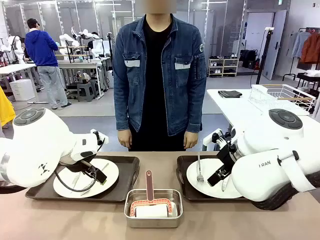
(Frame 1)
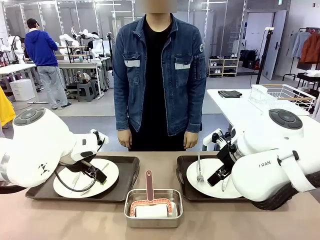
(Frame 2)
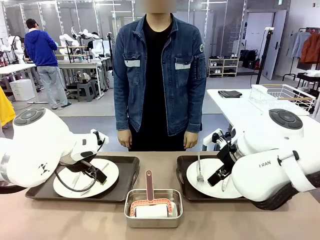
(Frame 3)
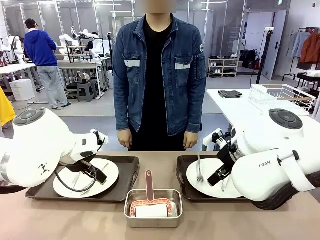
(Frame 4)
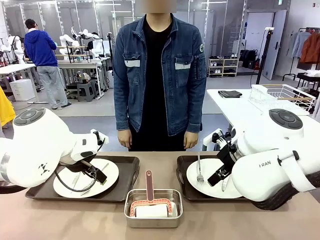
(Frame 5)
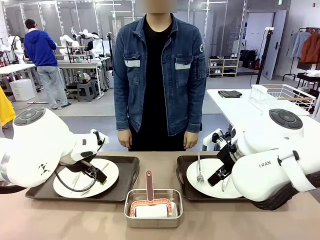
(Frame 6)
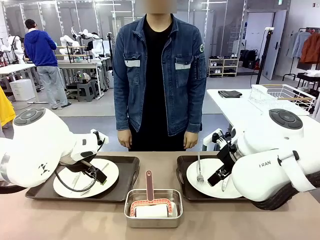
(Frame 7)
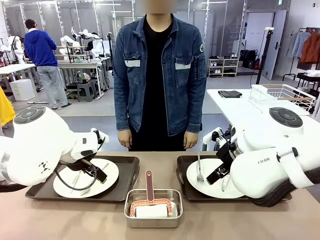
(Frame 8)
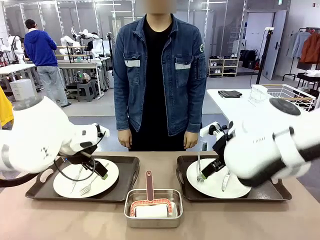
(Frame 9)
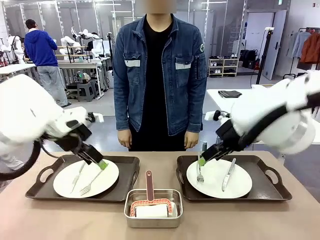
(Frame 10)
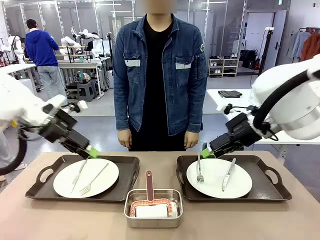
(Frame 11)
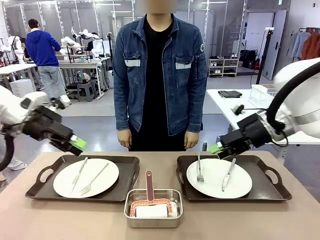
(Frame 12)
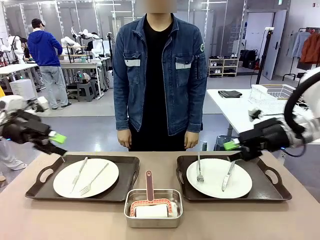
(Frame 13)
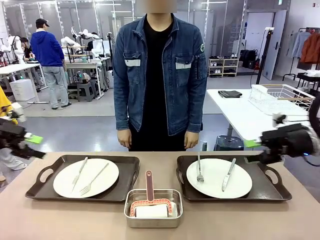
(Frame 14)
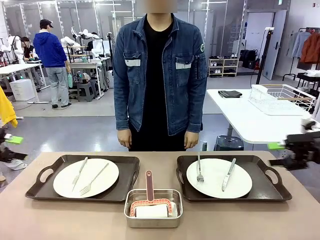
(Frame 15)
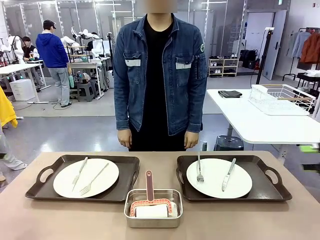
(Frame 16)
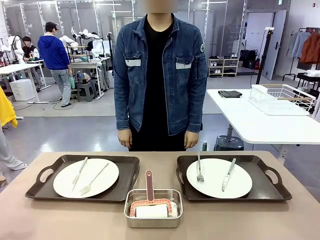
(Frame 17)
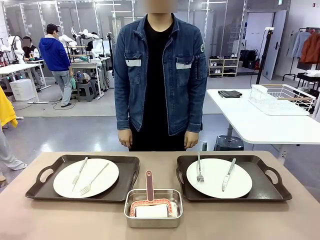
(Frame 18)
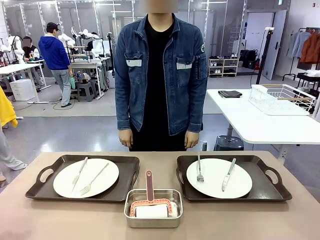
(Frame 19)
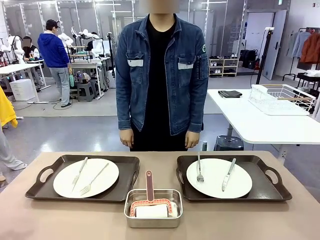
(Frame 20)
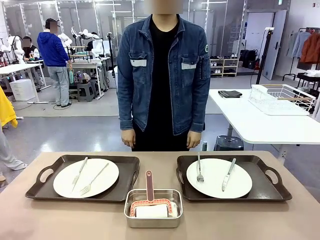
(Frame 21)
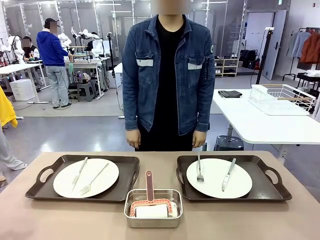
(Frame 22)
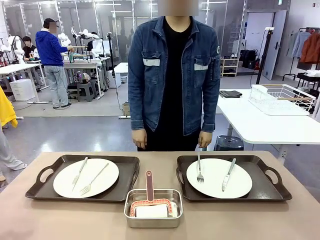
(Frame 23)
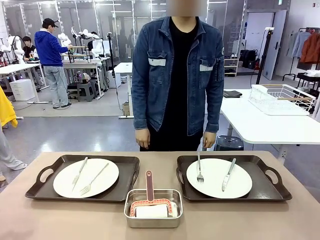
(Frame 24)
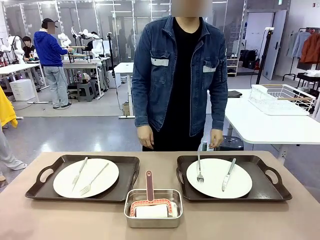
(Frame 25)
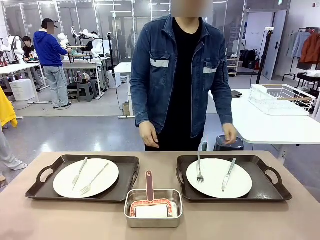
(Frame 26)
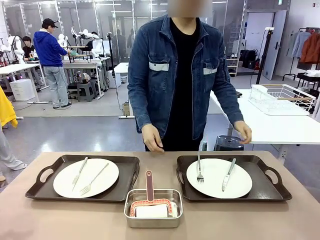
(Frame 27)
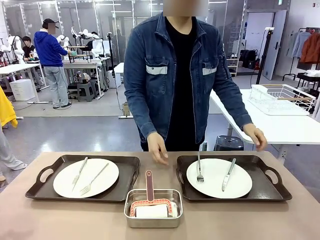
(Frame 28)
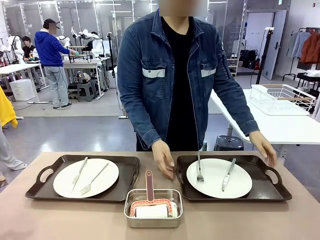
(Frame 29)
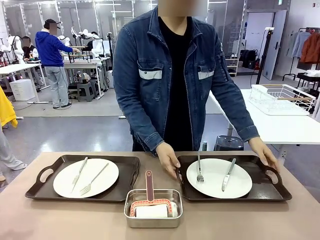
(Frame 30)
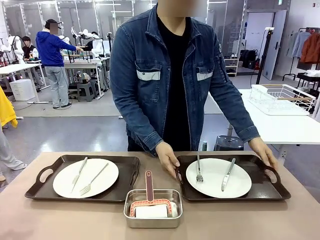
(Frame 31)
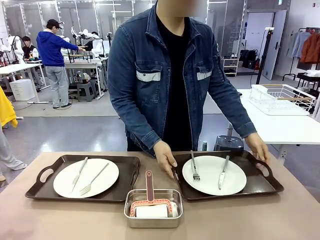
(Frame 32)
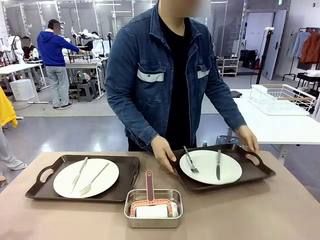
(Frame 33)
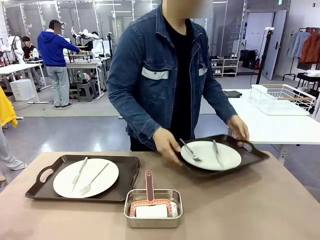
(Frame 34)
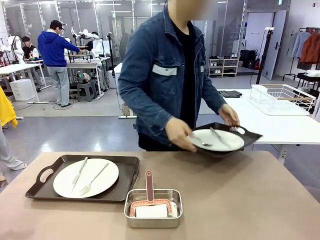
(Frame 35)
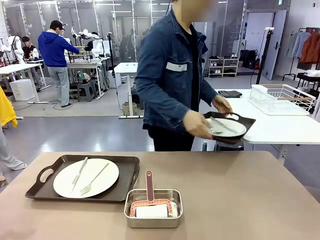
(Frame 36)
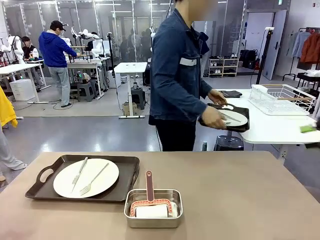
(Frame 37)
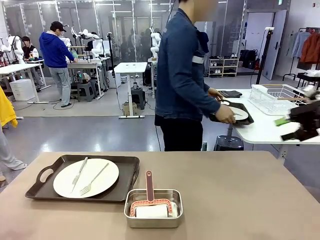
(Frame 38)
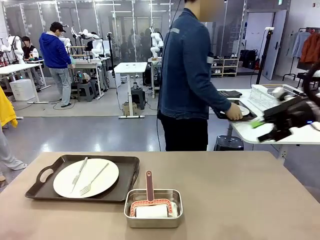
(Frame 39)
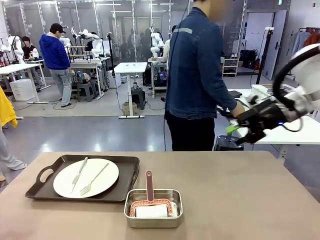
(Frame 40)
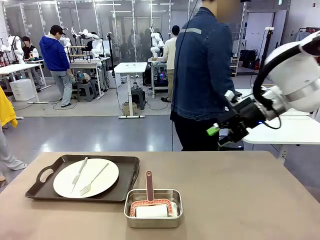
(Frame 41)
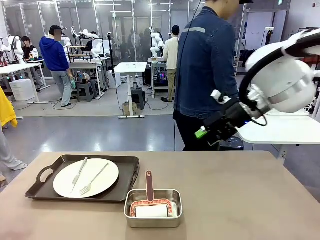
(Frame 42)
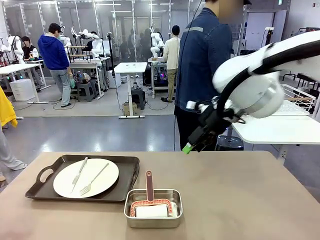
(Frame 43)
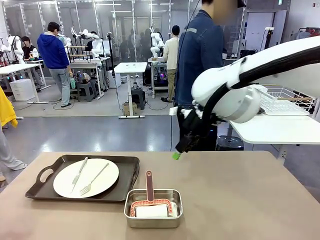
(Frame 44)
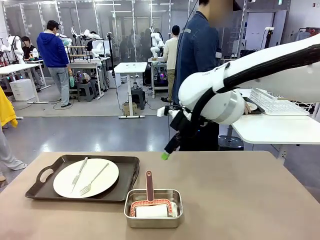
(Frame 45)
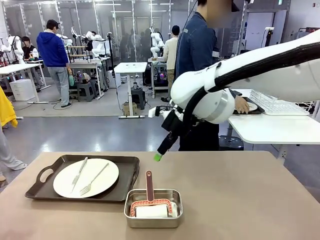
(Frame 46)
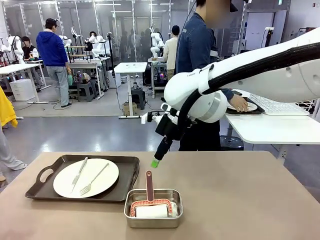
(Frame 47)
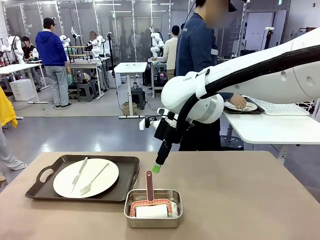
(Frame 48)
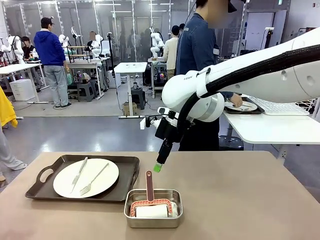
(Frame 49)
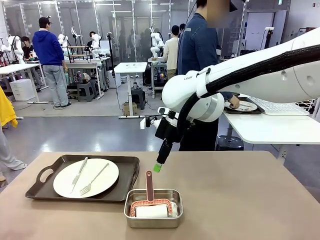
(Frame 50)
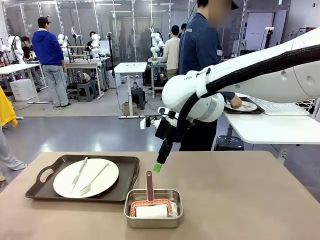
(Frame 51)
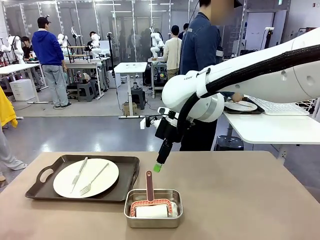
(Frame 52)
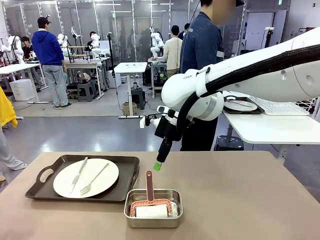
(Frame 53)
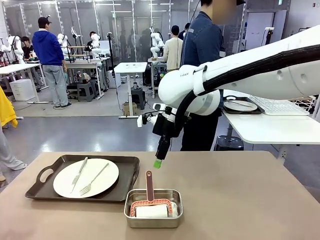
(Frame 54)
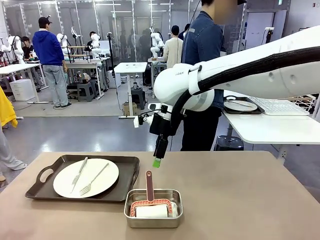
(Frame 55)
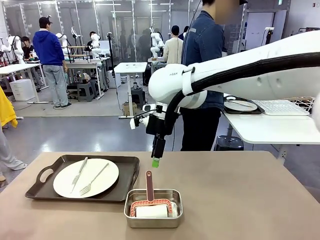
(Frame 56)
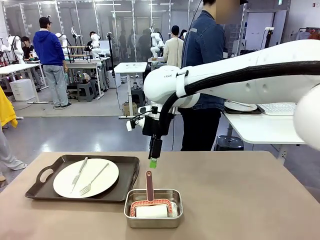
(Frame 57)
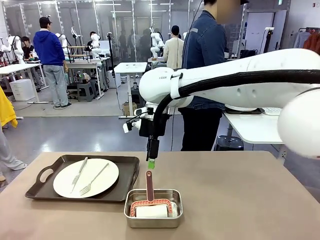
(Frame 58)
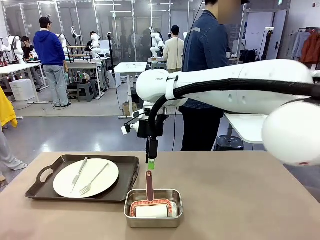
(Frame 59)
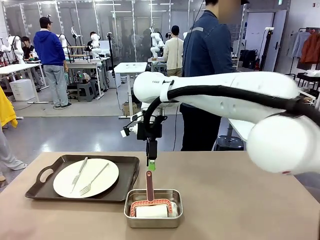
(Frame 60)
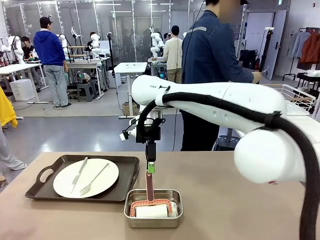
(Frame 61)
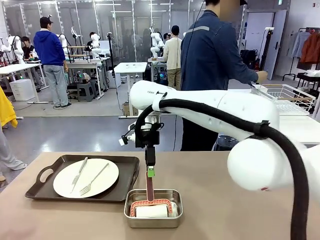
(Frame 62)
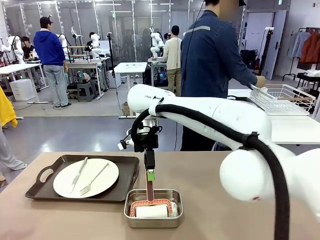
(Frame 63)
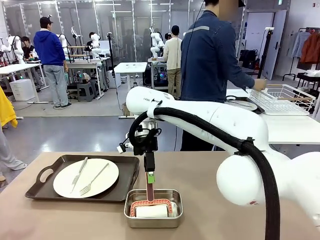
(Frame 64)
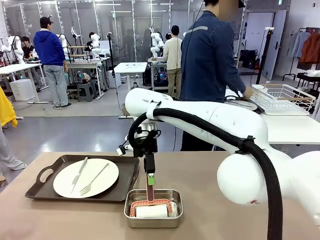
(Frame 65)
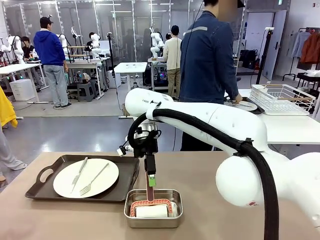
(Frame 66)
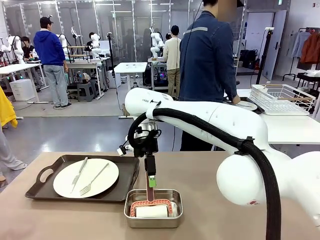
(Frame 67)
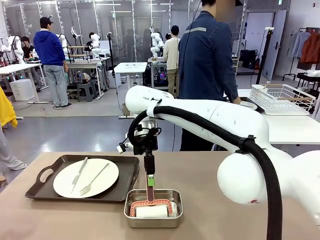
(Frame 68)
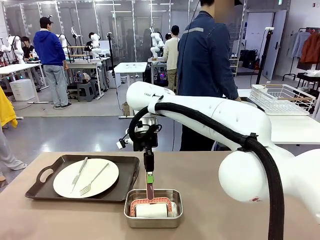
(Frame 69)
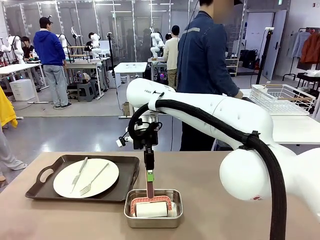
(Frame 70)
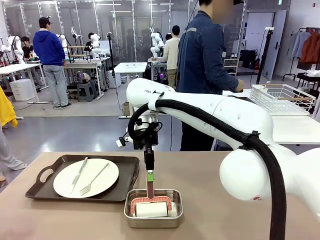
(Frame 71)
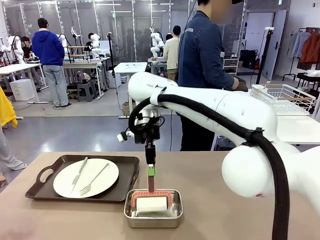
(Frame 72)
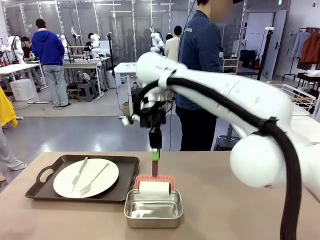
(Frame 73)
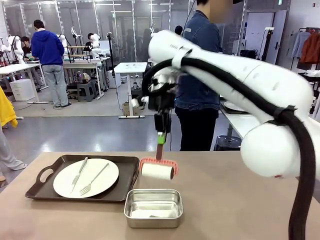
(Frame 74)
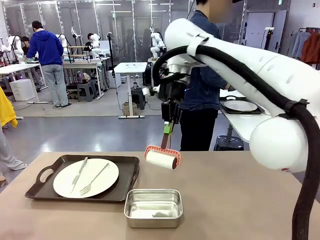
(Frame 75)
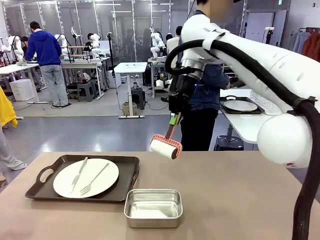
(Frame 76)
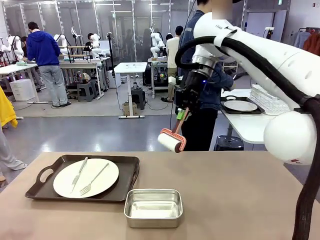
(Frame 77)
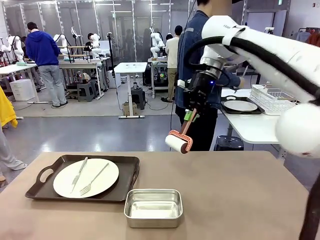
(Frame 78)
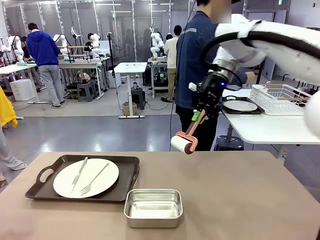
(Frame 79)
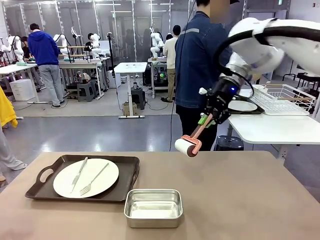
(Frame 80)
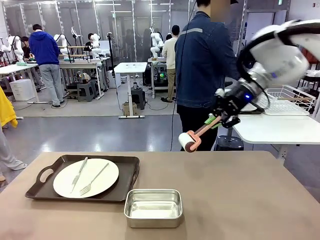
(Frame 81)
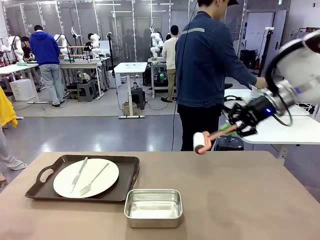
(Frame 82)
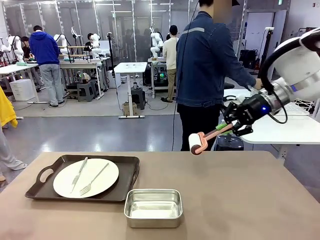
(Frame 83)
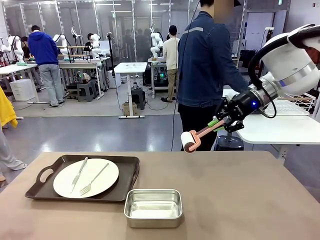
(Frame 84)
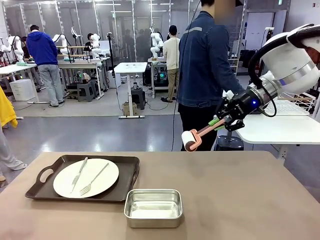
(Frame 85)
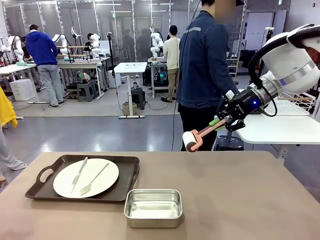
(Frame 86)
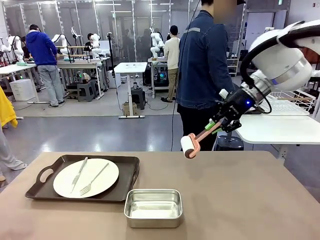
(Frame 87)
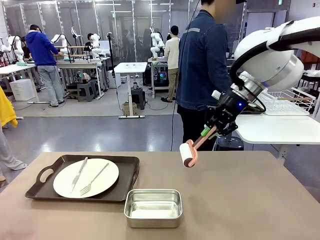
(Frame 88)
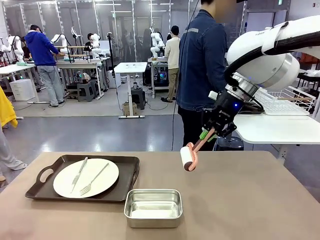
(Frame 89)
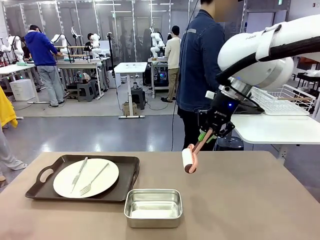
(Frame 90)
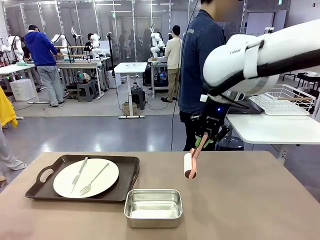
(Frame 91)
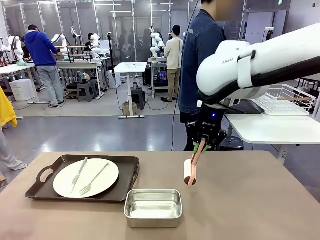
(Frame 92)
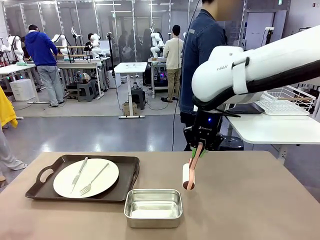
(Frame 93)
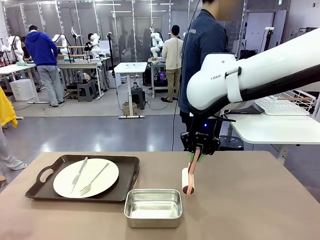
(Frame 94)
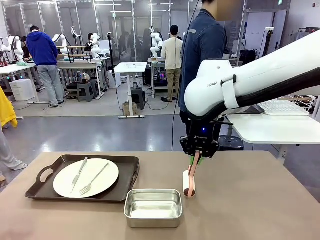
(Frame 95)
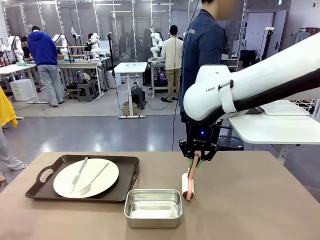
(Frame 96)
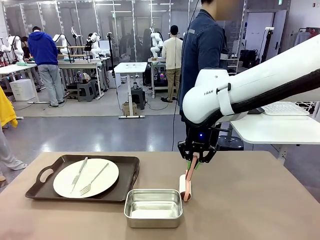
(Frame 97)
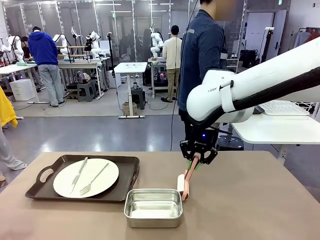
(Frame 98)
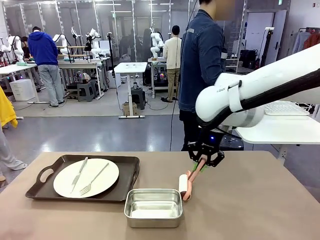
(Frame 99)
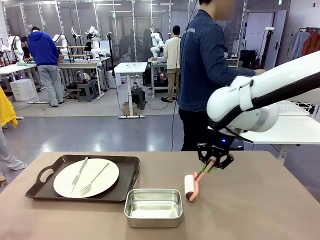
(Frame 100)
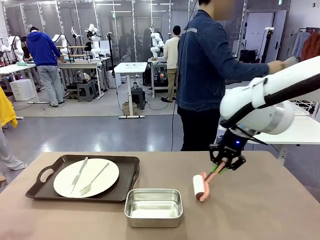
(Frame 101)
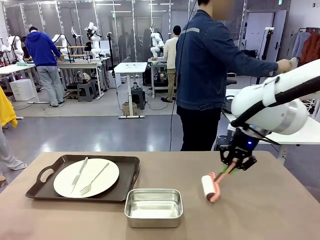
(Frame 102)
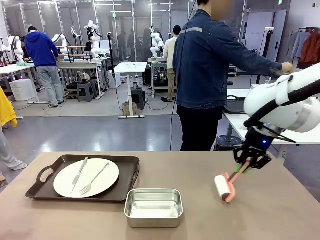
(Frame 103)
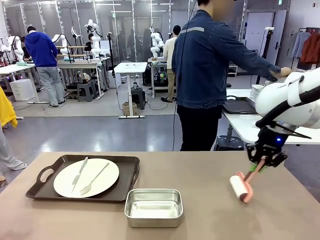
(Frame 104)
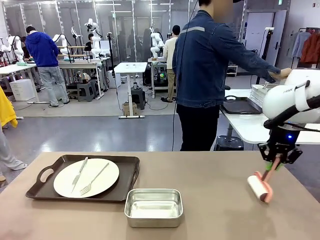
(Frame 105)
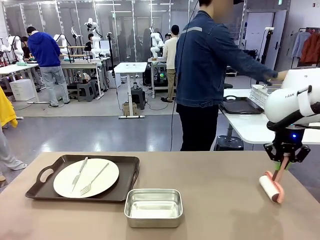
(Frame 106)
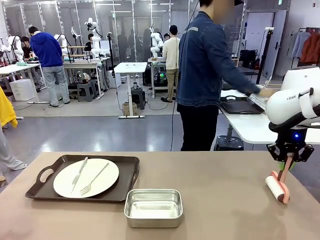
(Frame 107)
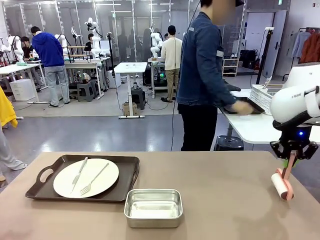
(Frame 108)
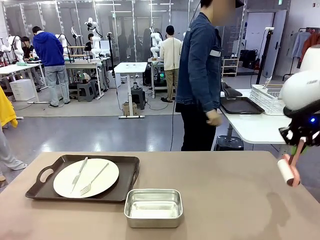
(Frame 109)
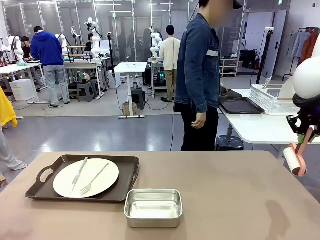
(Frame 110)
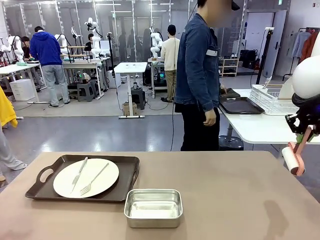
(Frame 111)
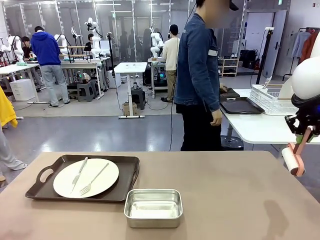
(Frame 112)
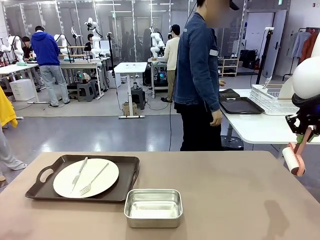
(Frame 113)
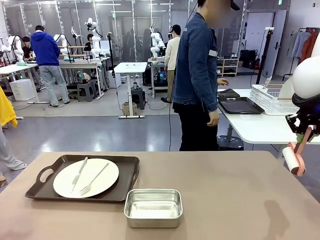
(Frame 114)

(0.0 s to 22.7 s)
Robot: When the left (or right) Handle tray is removed, use the left hand (or right hand) to clean the left (or right) side of the table with the Lint Roller.
Person: Pick up the left (or right) Handle tray and place it on the middle of the Human's table. Use the Towel with hook to wipe the Plastic Matte Plate , Fork , and Knife and place into the Dish drying rack.
